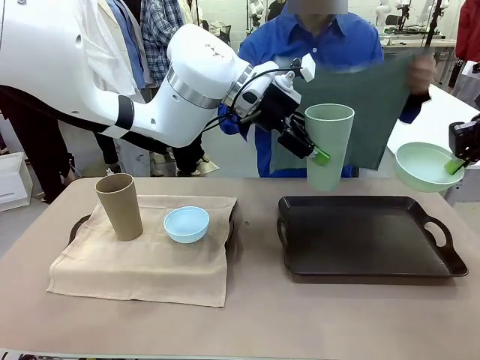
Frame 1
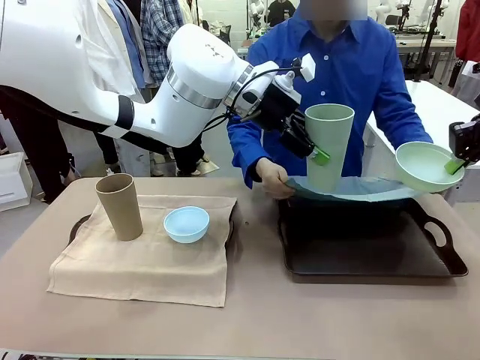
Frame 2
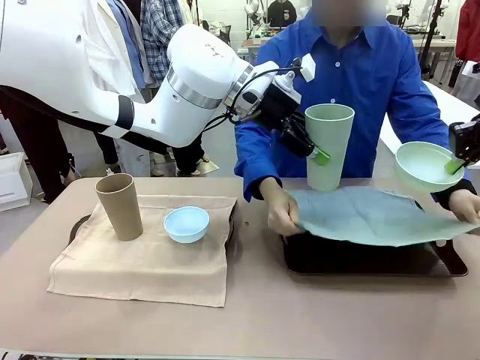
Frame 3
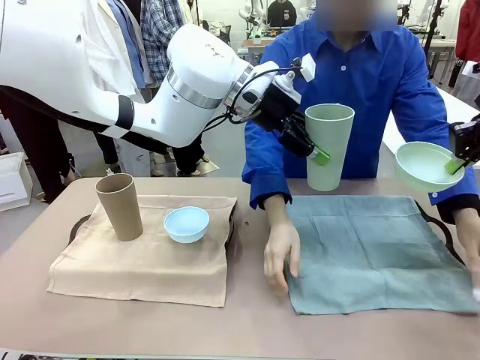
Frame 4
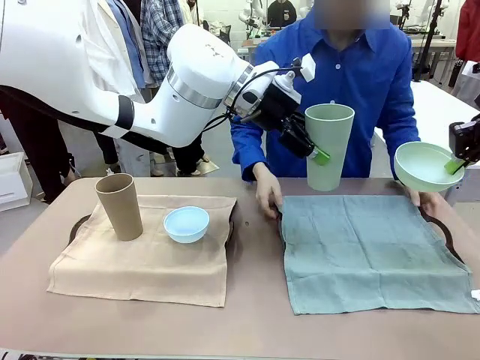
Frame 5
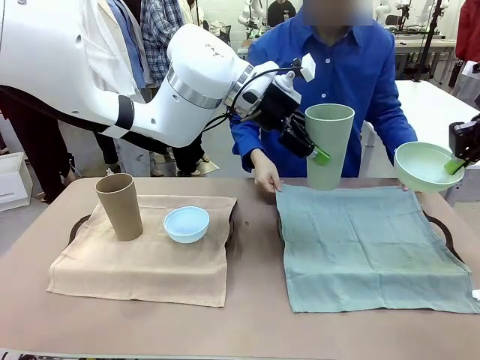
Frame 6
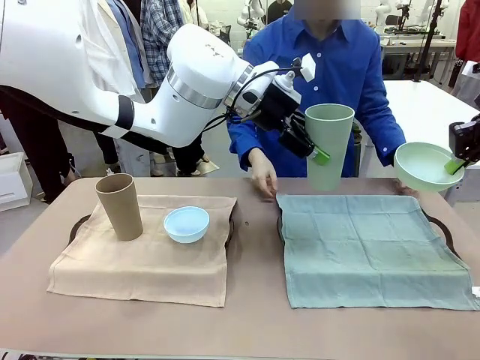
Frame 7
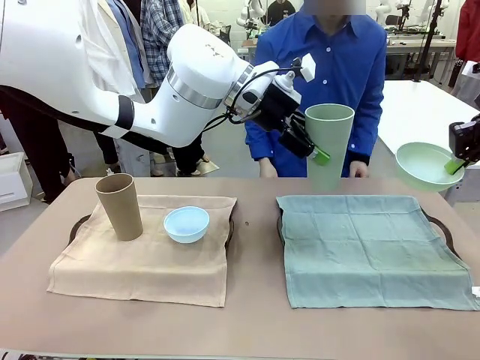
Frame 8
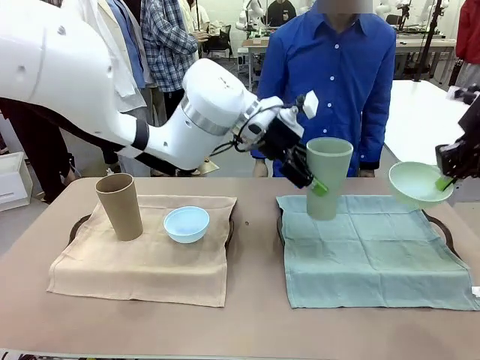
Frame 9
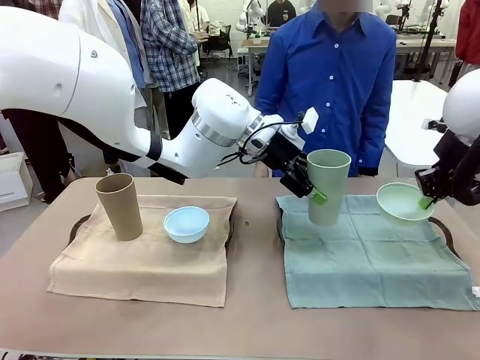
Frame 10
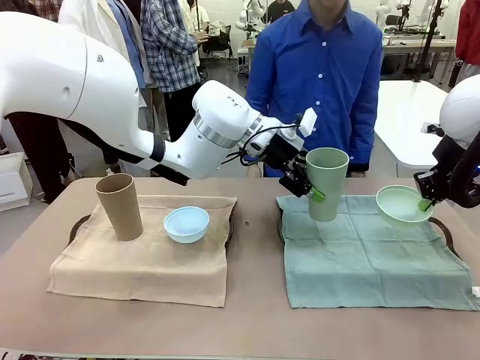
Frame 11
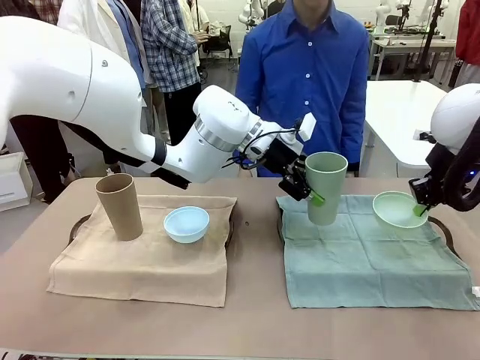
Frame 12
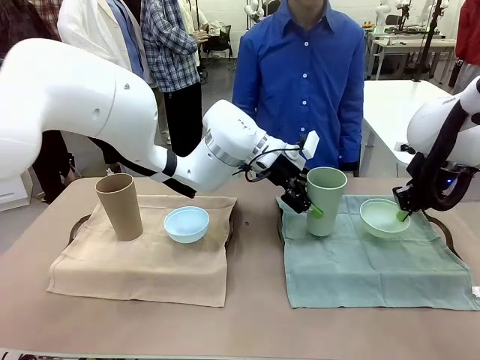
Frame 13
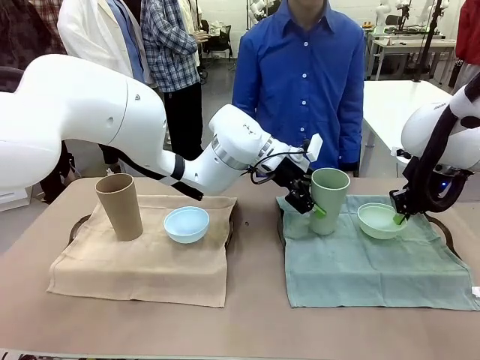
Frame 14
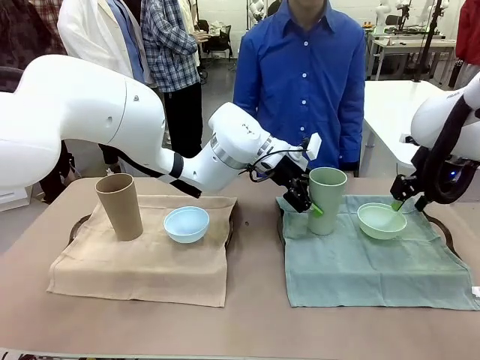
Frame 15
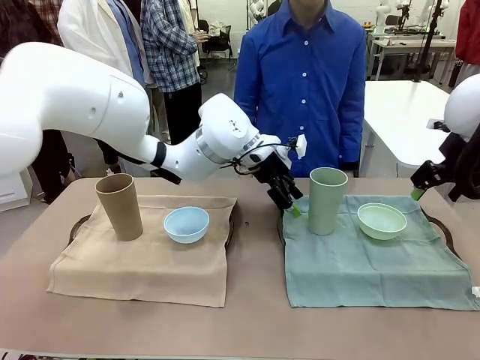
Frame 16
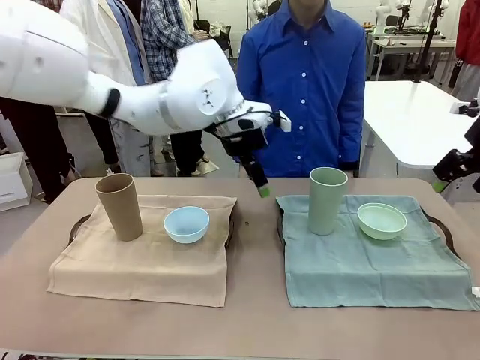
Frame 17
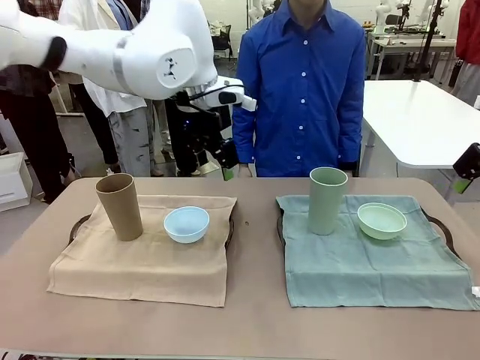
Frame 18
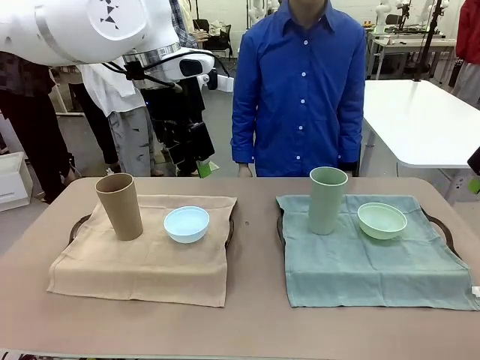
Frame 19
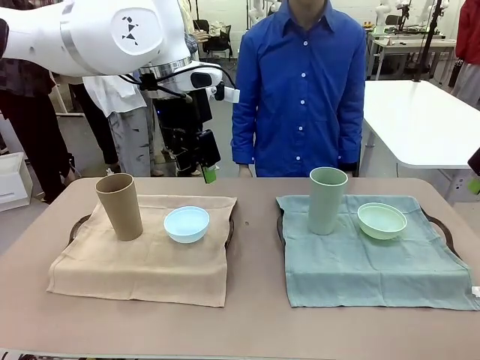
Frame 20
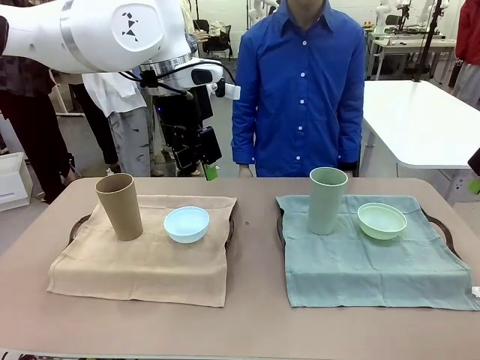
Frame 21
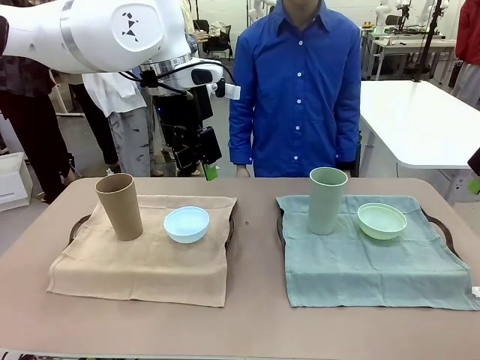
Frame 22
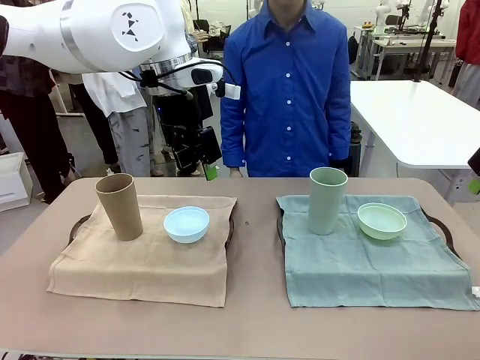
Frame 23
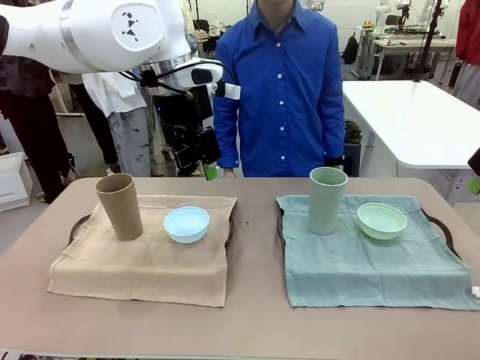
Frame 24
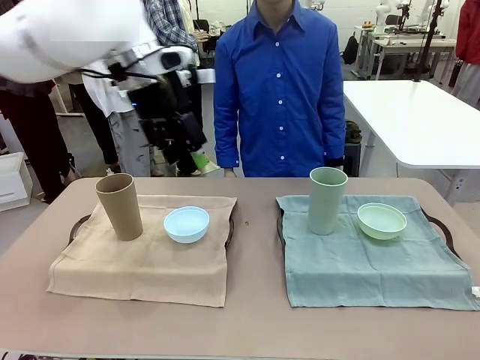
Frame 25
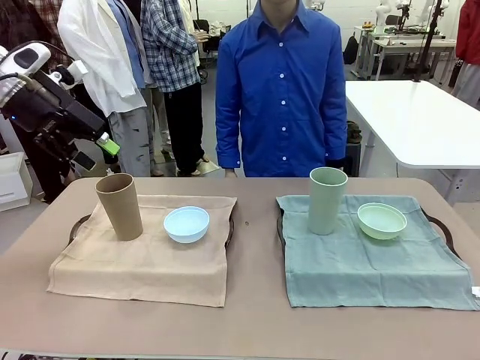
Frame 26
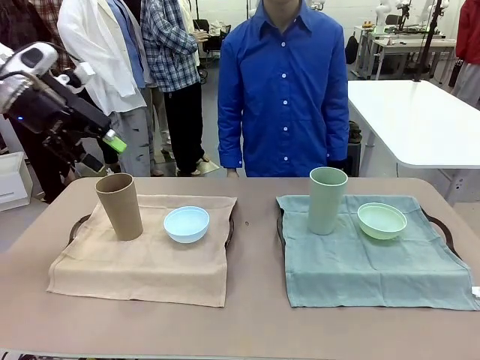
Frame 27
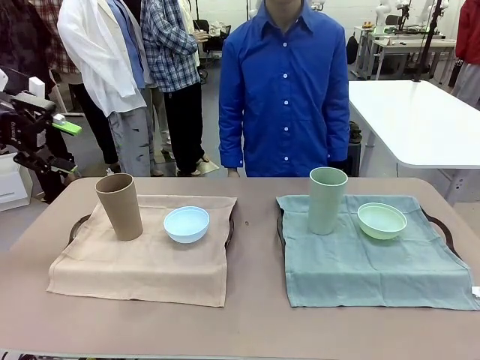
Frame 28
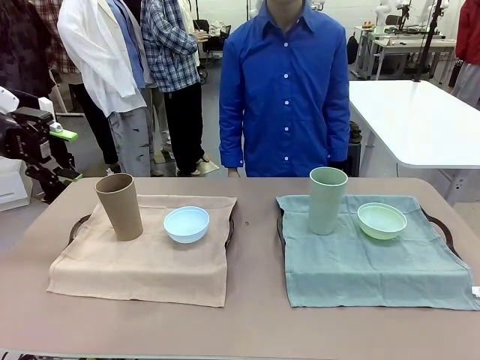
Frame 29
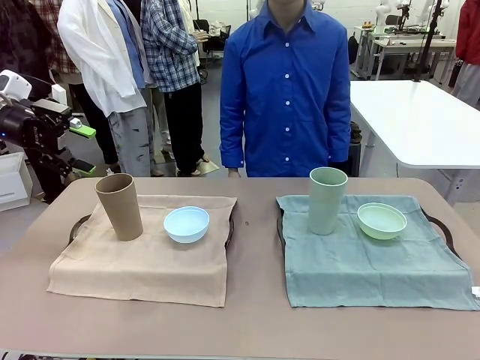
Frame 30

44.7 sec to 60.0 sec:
Robot: Place the Picnic Bowl and Reusable plastic cup back onto the Handle tray in front of the human's position.
Person: When the robot lifts the bowl and the cup, the human unfolds the napkin and lays the napkin flat on the tray.

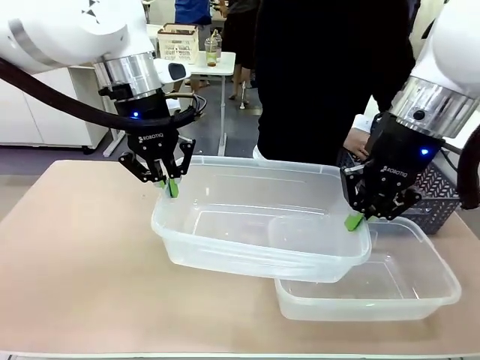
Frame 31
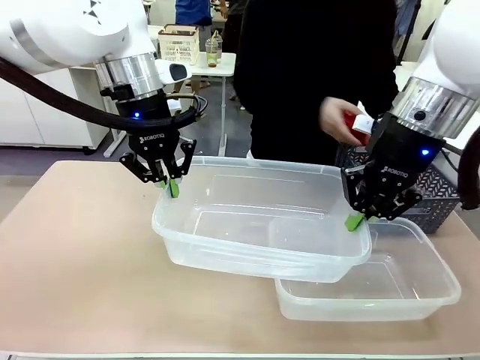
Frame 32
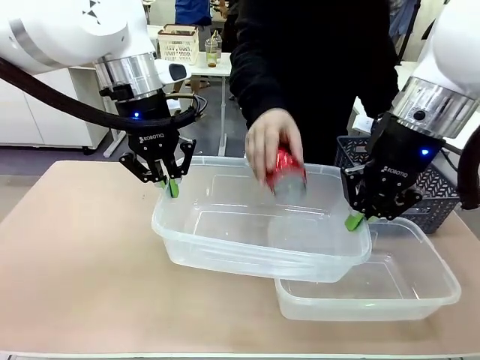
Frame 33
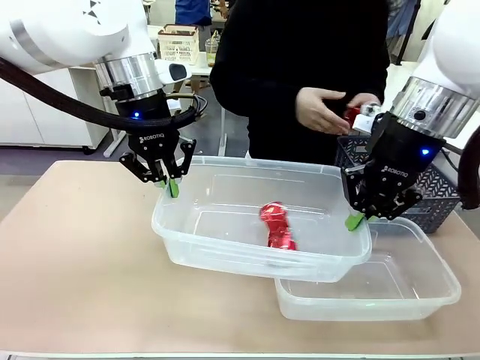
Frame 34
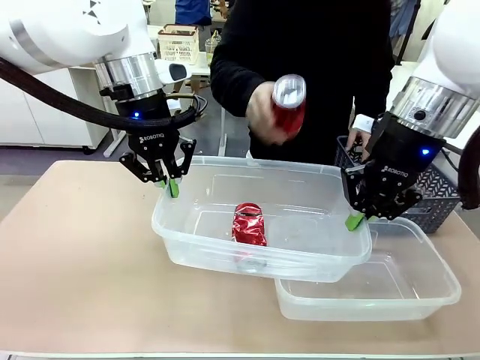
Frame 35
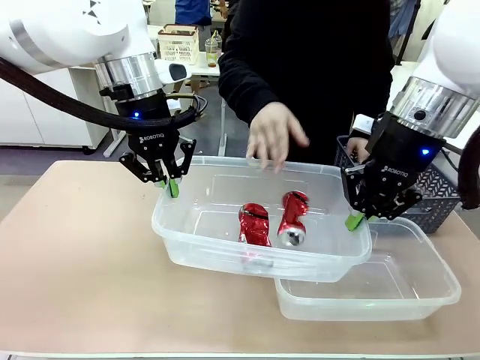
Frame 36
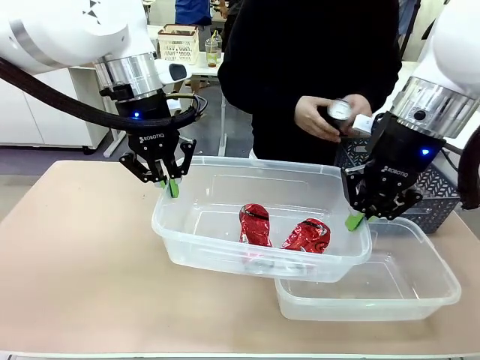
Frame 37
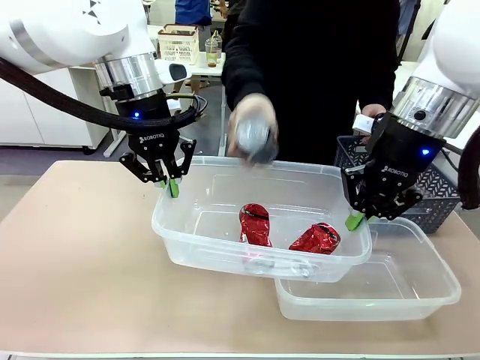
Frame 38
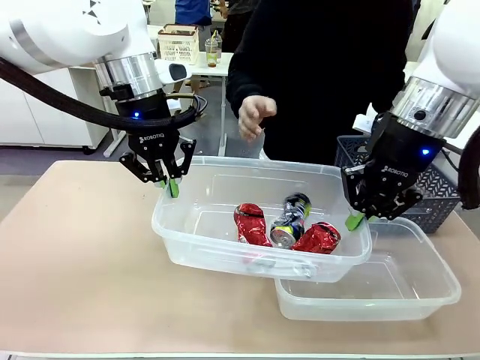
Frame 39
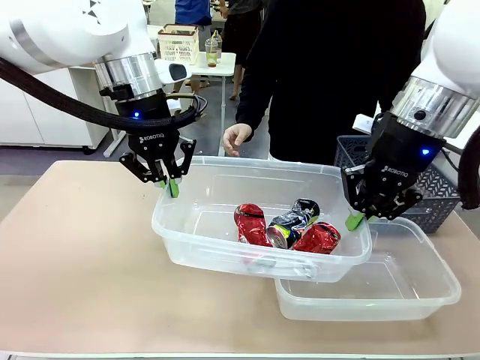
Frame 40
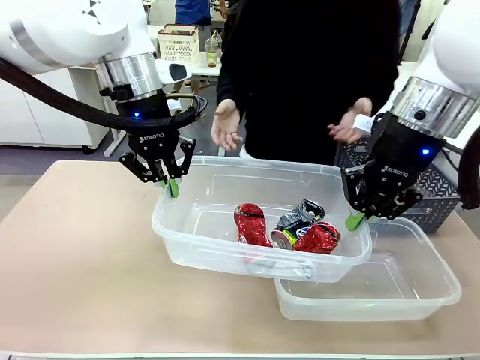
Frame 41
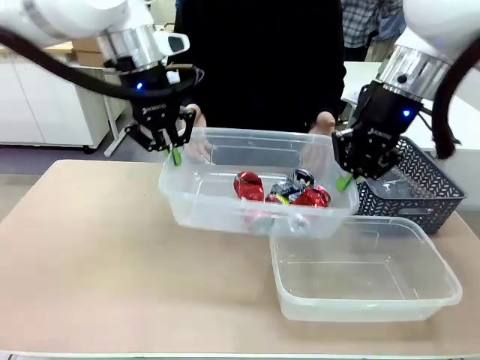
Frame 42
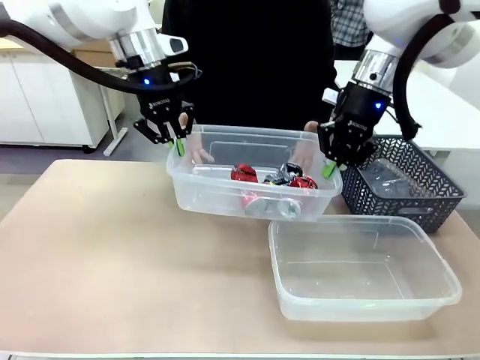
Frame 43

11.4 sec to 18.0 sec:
Robot: Offer the picked Organizing box to the human.

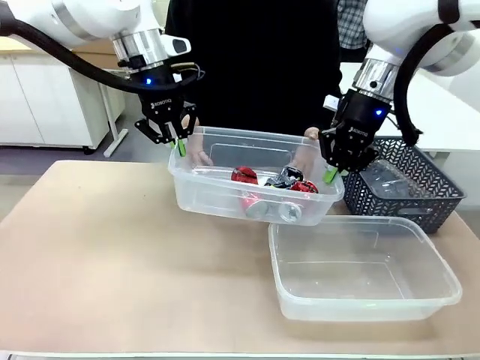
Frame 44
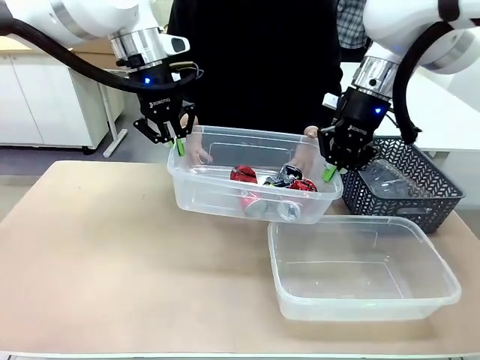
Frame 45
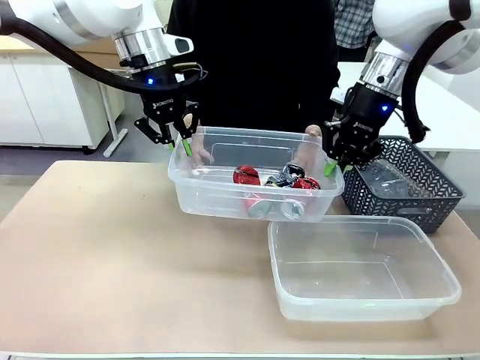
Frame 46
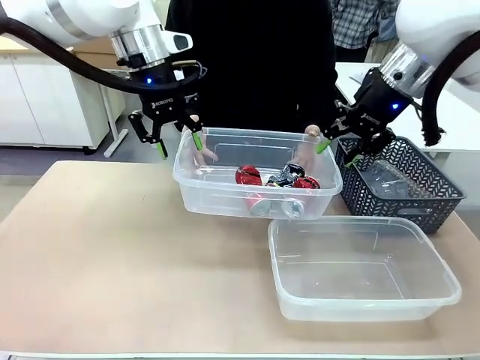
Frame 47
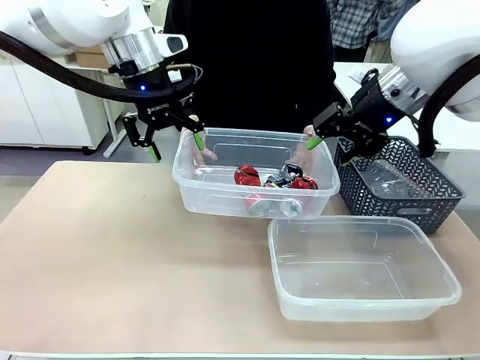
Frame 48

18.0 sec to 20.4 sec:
Robot: Release the Organizing box you were holding.
